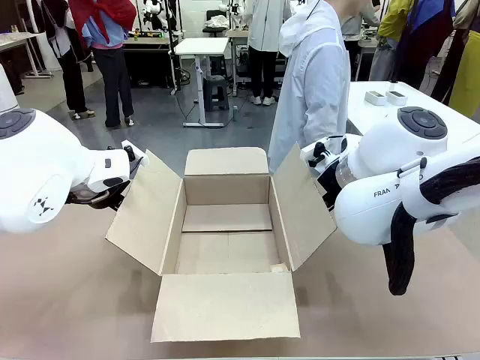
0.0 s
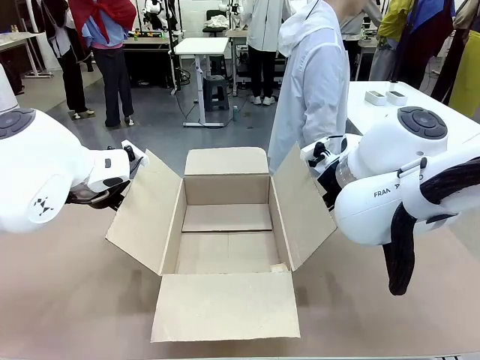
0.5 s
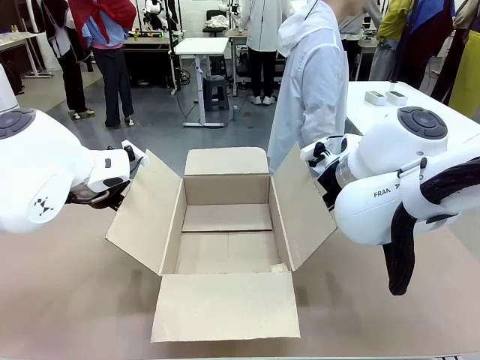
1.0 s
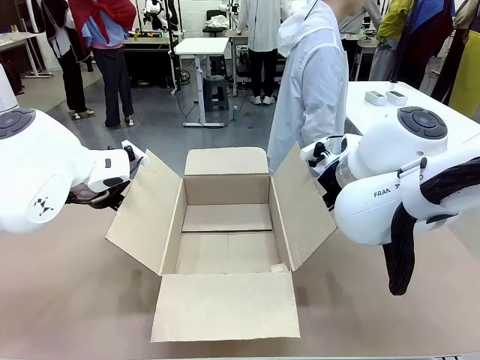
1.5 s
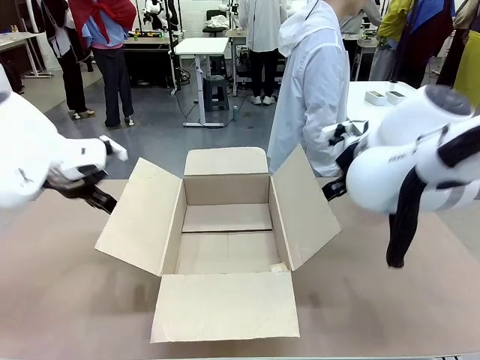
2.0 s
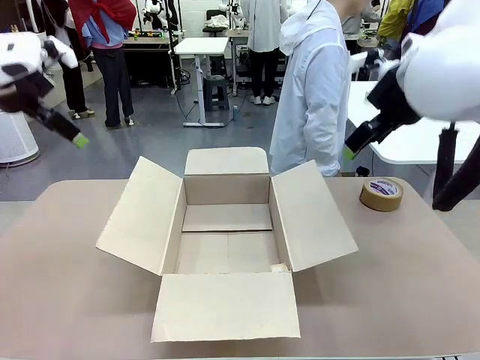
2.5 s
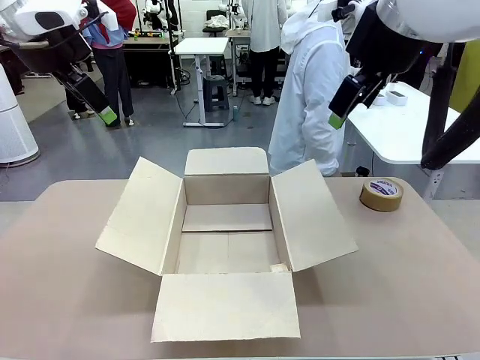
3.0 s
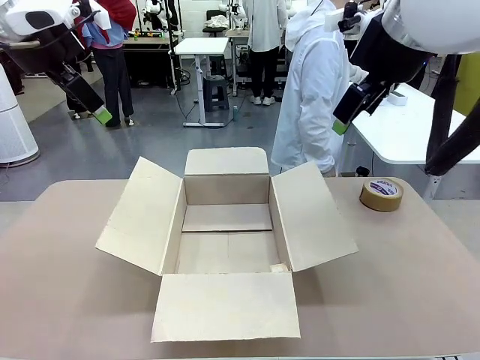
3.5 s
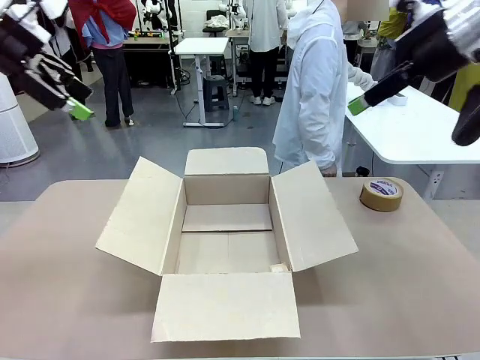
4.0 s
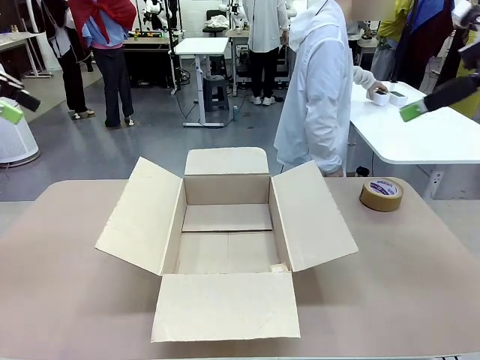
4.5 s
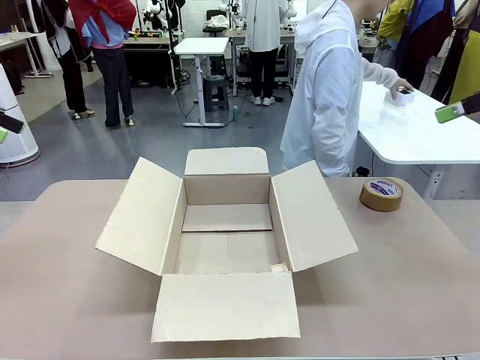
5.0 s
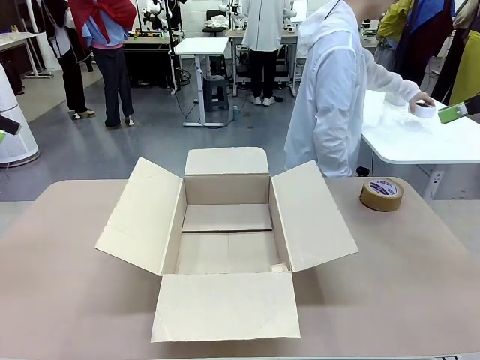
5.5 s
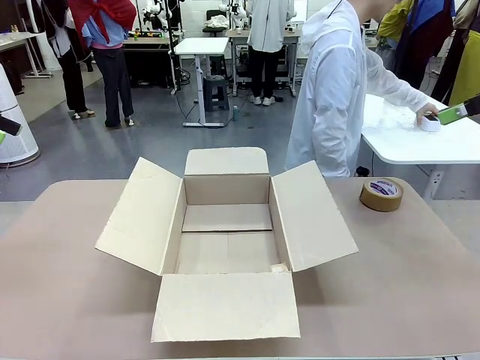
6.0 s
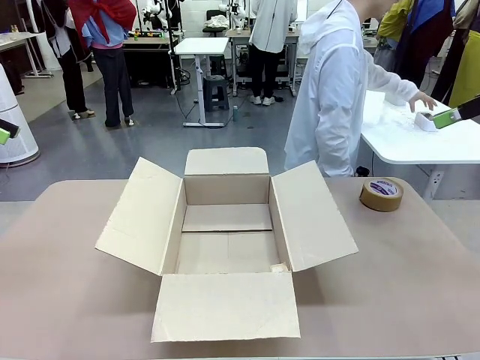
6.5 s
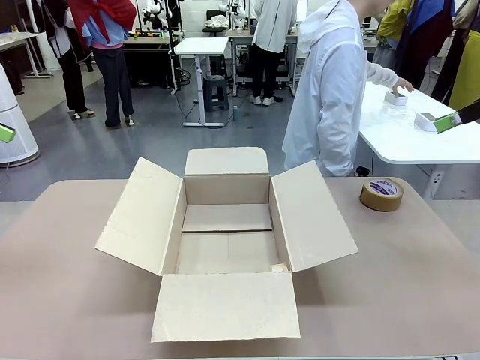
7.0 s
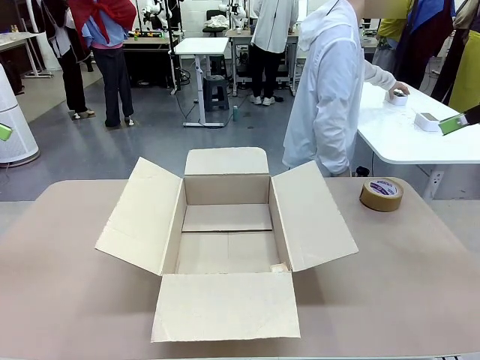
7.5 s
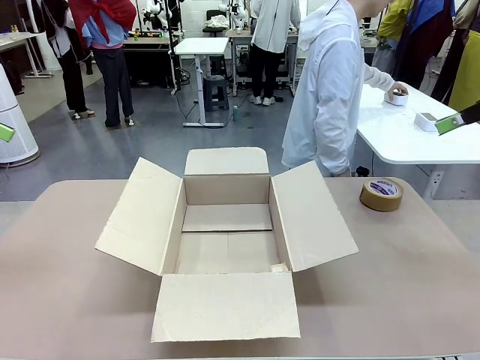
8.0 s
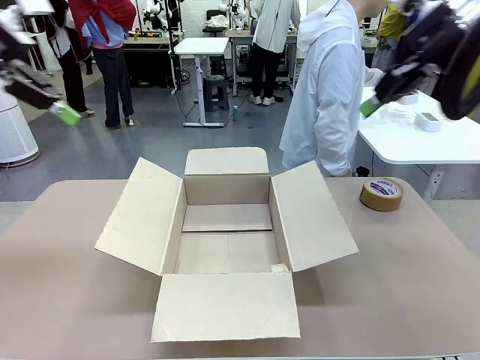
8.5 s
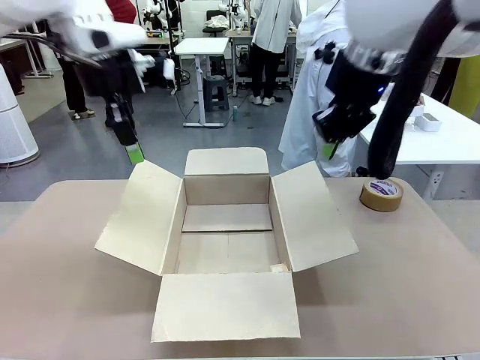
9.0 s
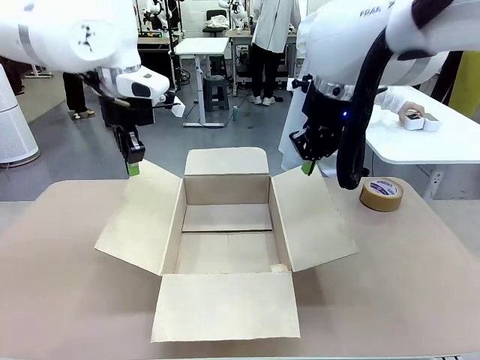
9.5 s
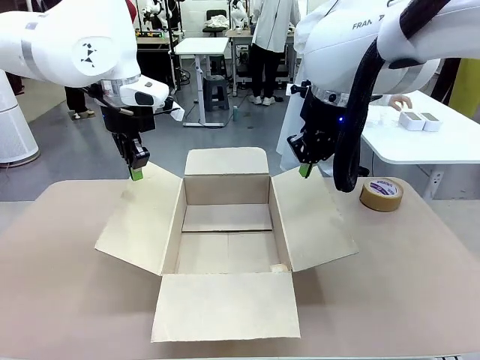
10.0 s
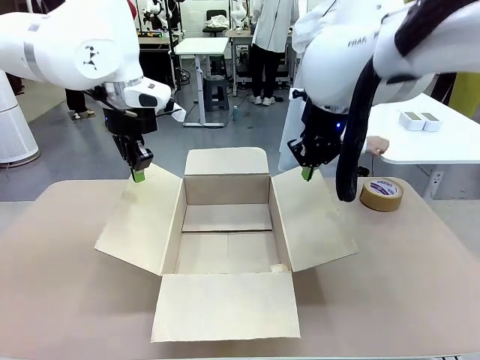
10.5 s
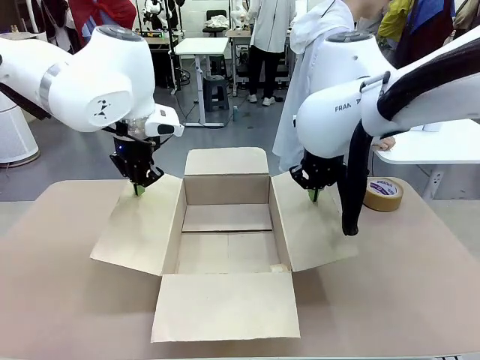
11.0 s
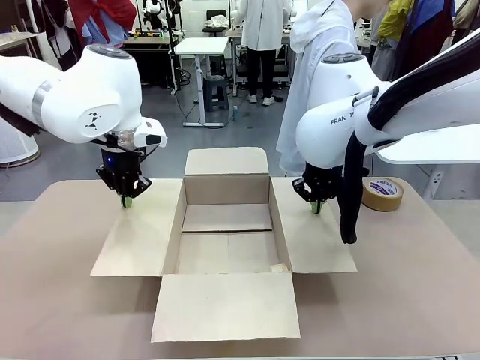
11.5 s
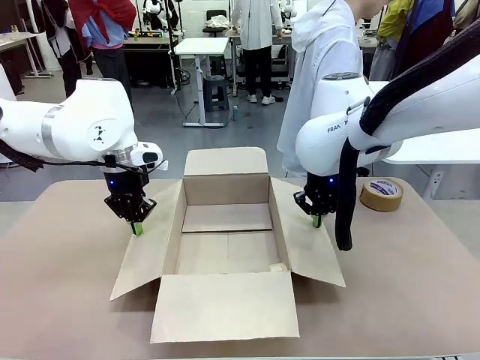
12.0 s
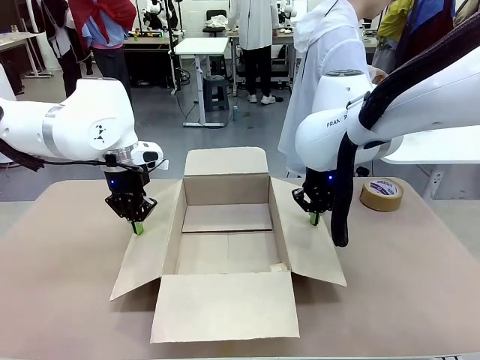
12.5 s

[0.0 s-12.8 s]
Task: Wrap the clocks to prevent damage.
Robot: Open the side flaps of the Package Box.
Person: Wrap the two Digital clocks with Bubble Wrap.

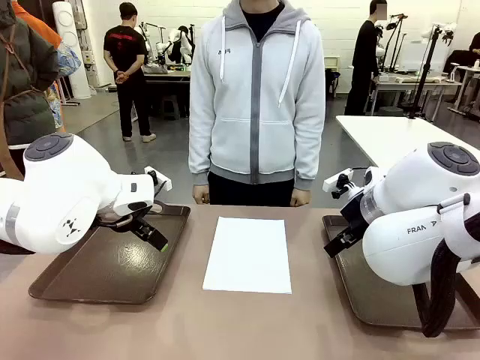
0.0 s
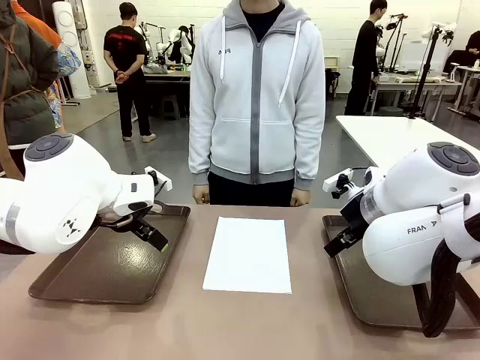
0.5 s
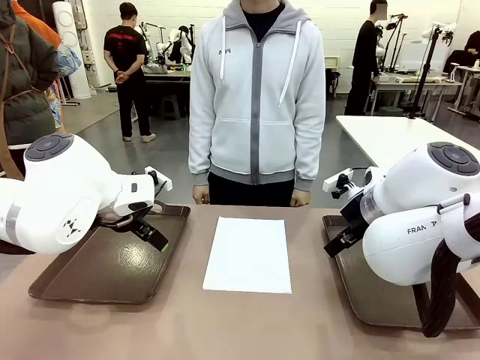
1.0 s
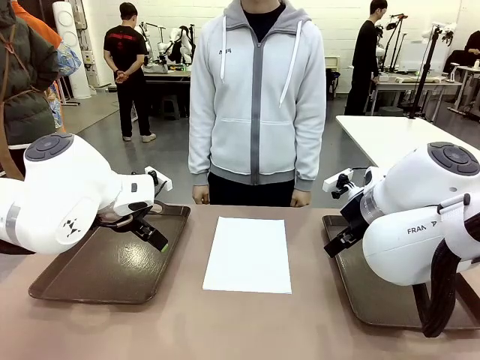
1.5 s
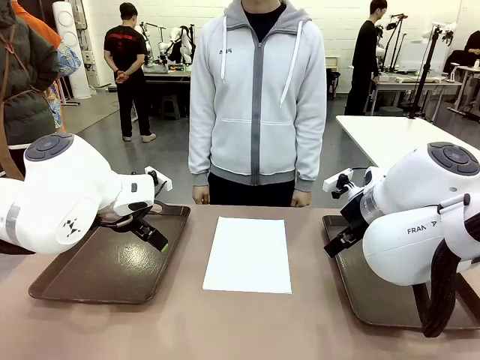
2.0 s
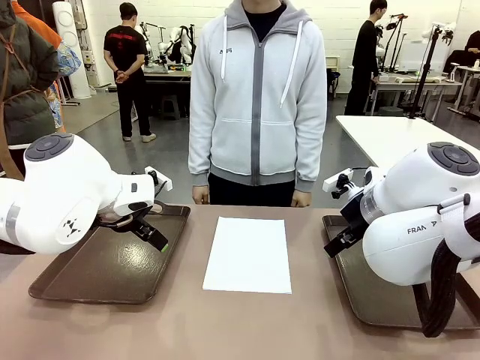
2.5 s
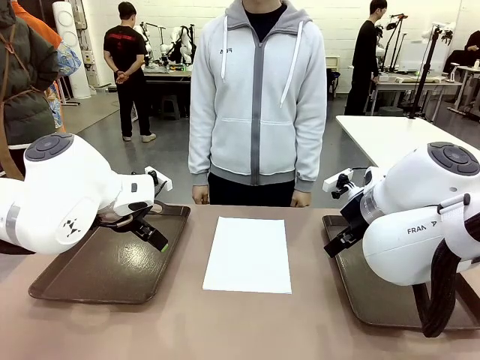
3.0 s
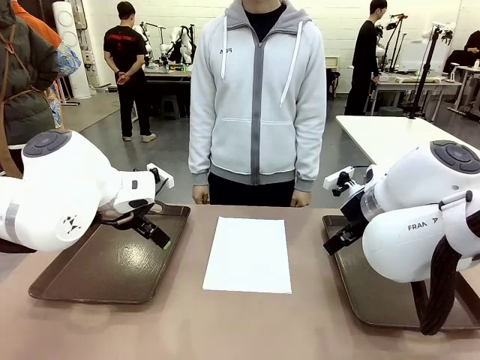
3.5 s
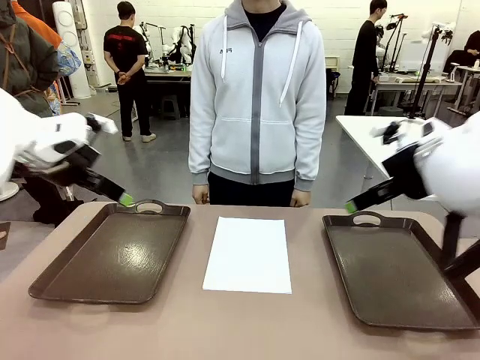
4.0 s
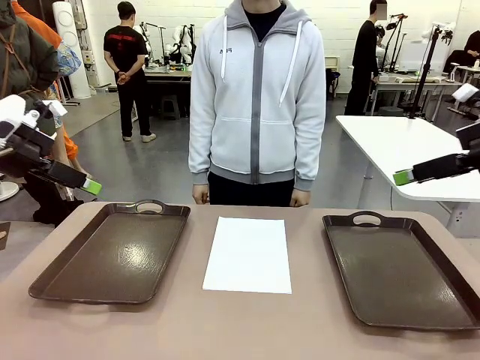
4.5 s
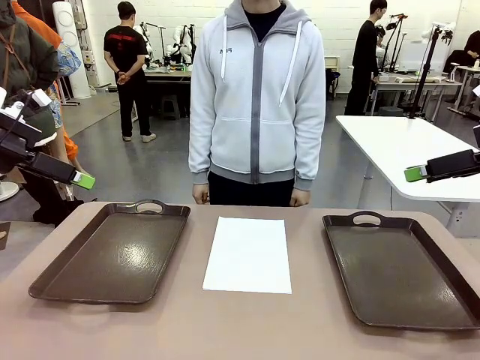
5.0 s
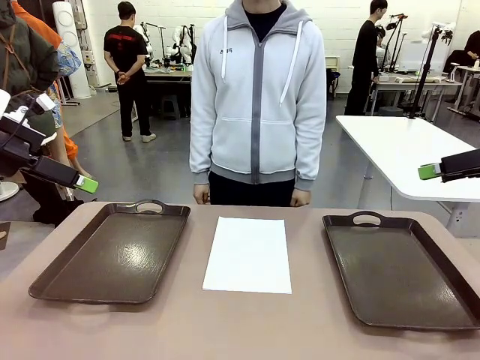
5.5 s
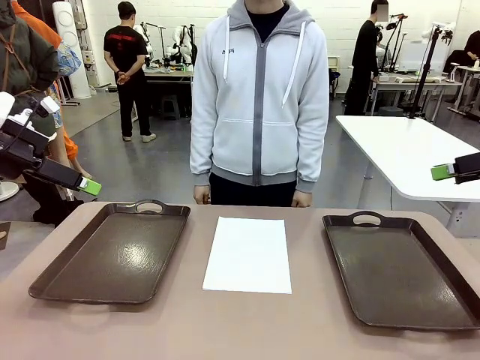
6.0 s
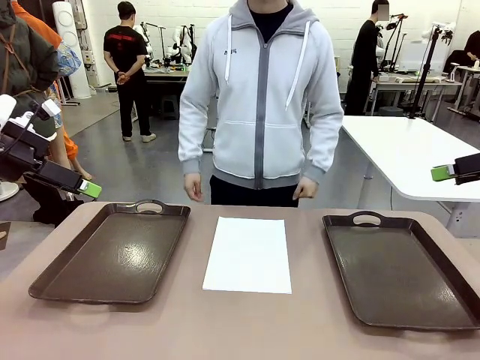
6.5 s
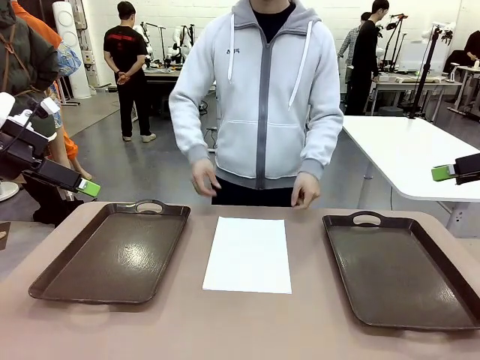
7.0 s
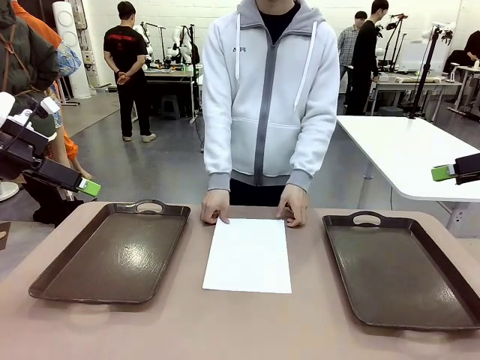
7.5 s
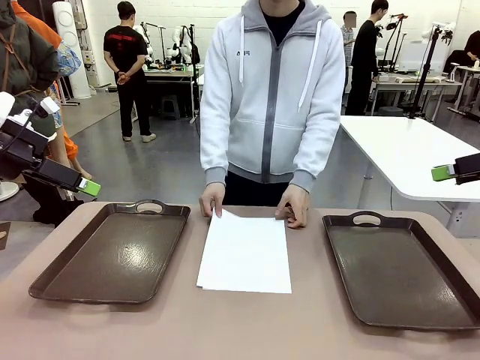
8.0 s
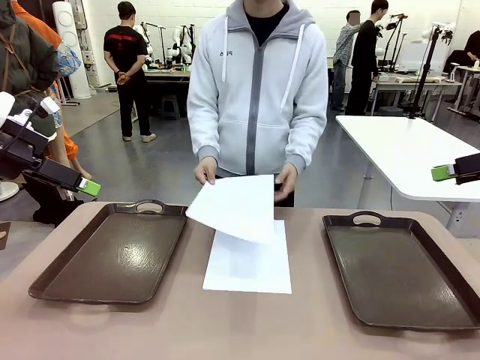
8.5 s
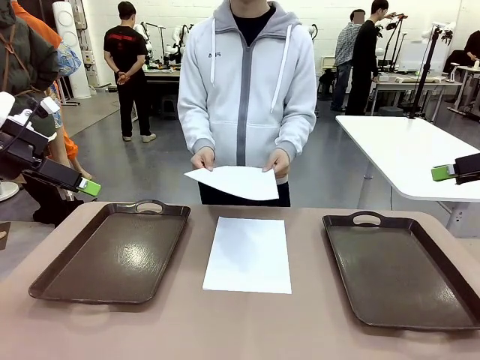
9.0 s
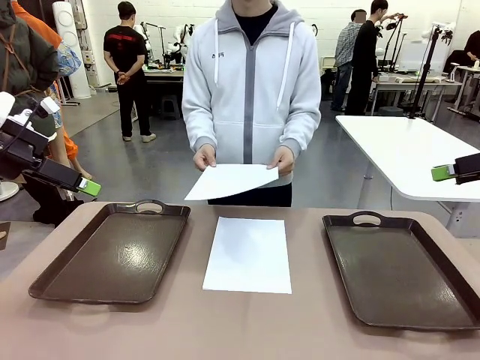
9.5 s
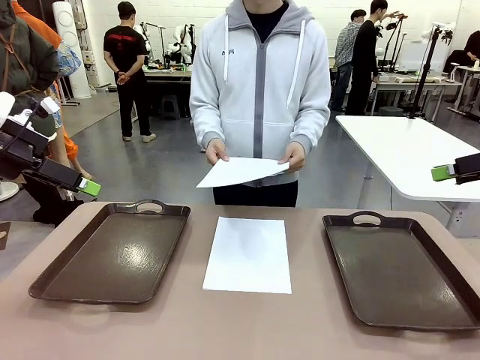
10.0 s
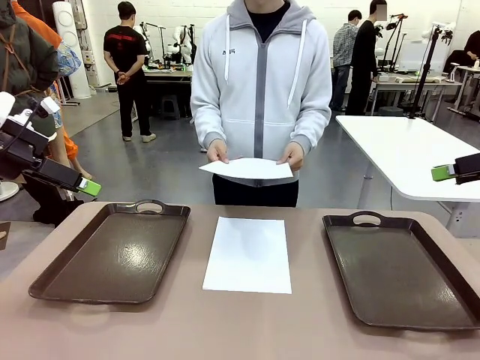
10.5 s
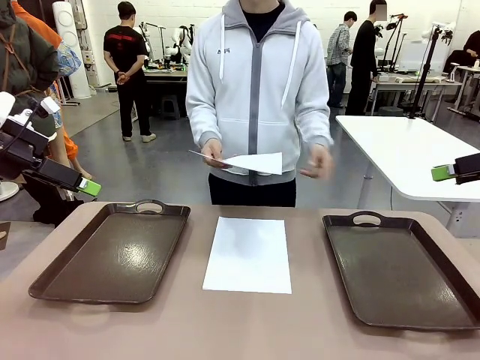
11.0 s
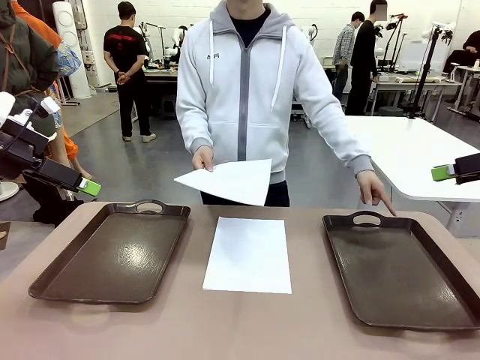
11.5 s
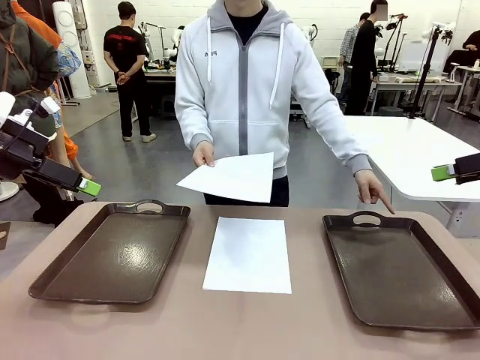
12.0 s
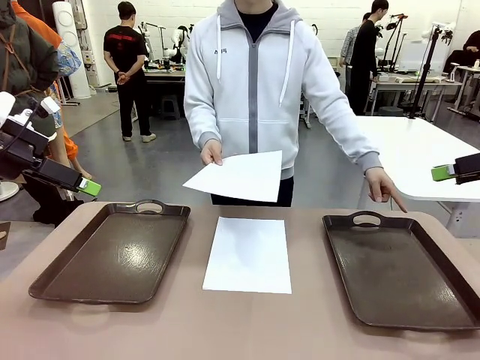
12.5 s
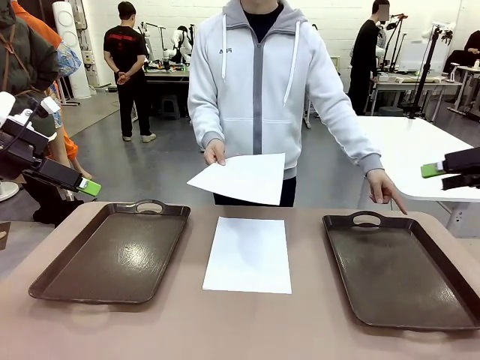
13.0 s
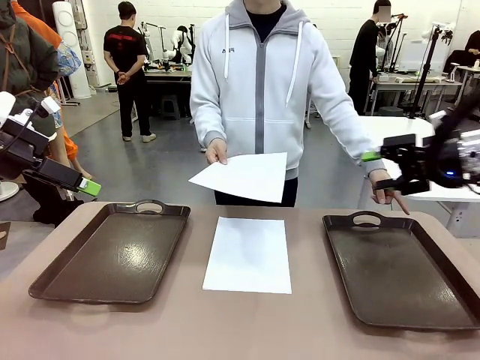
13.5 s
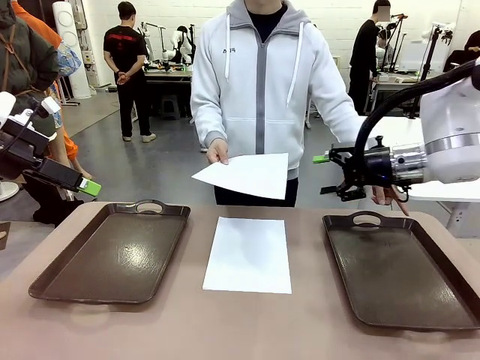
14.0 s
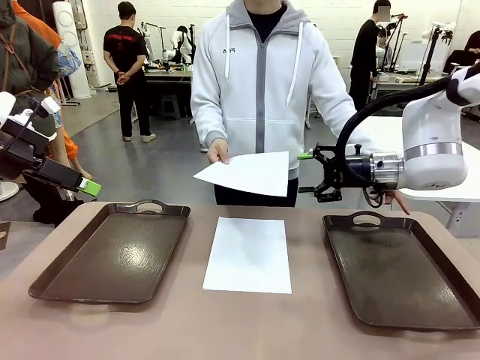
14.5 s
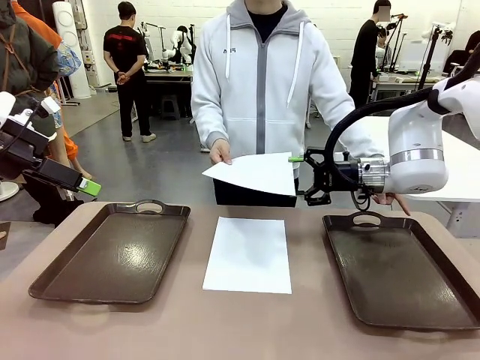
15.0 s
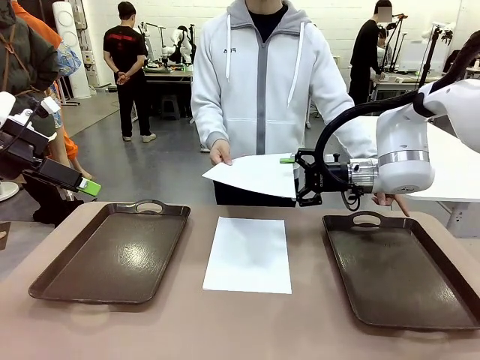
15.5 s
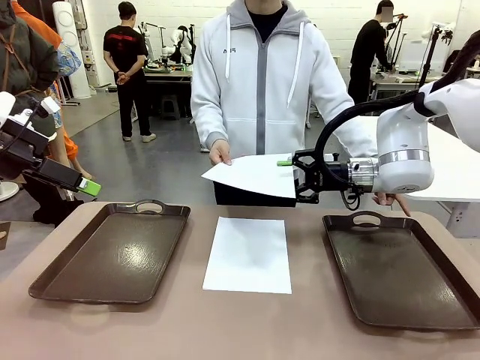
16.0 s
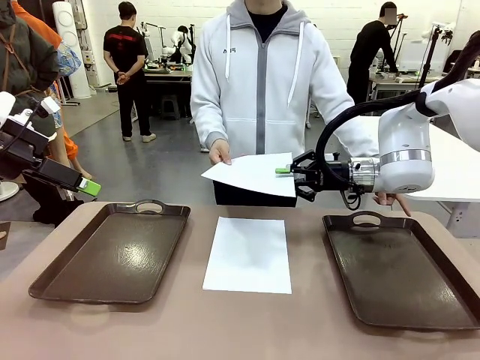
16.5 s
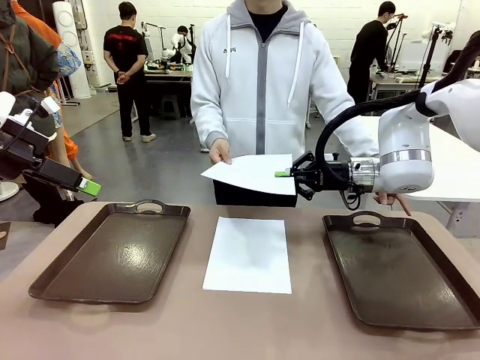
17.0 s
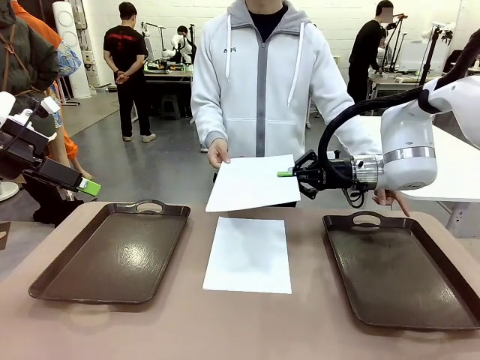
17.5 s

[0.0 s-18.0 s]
Task: Sort the A4 documents.
Robot: Receive the A4 Paper.
Person: Pick up a sheet of paper from the center of the table and hand it to the robot. Point the randomly selected tray with the other hand.
